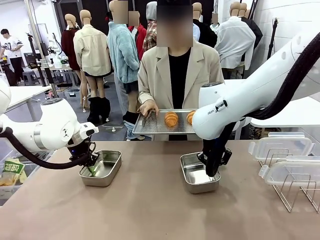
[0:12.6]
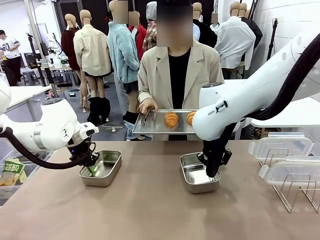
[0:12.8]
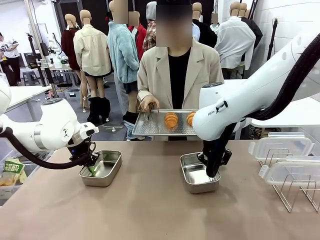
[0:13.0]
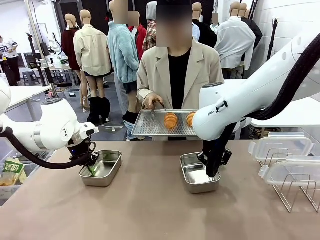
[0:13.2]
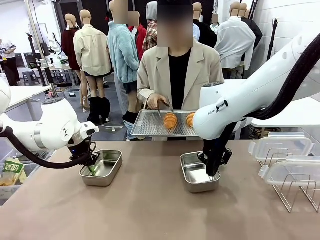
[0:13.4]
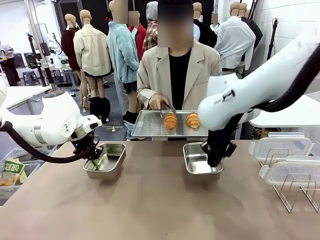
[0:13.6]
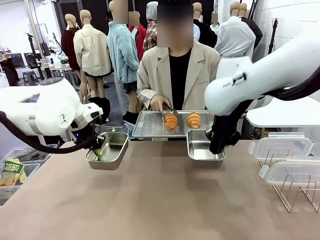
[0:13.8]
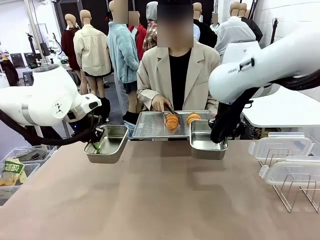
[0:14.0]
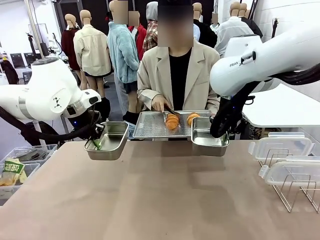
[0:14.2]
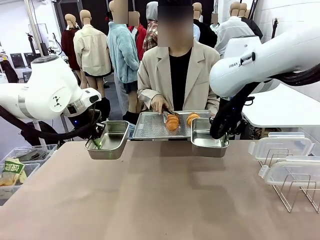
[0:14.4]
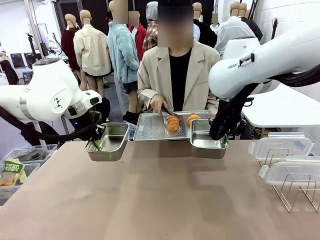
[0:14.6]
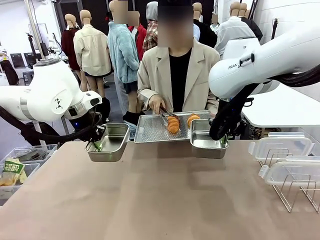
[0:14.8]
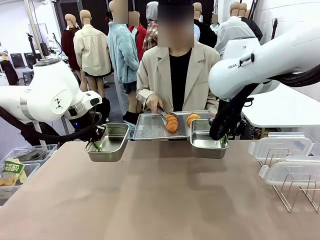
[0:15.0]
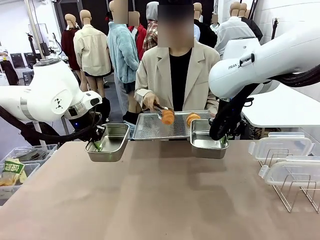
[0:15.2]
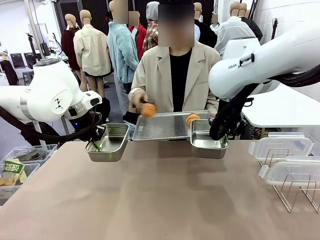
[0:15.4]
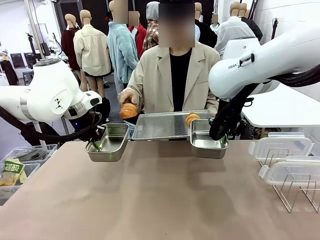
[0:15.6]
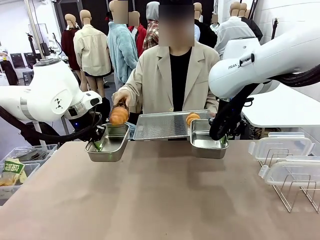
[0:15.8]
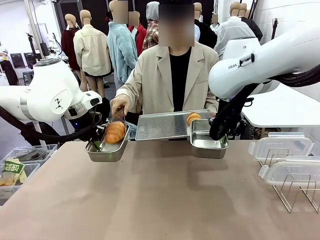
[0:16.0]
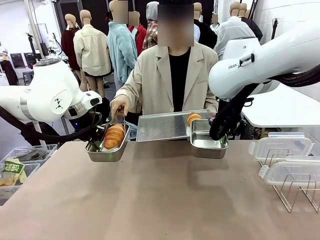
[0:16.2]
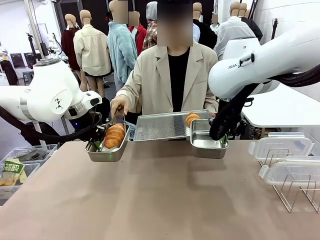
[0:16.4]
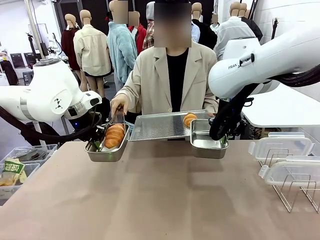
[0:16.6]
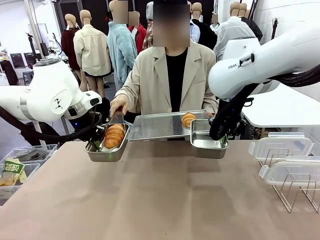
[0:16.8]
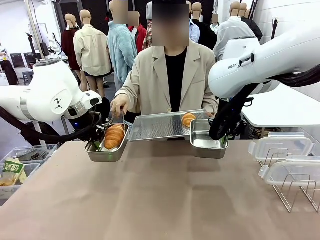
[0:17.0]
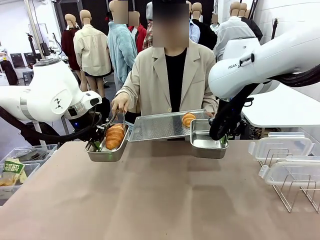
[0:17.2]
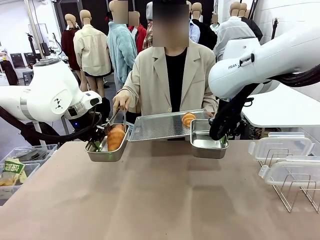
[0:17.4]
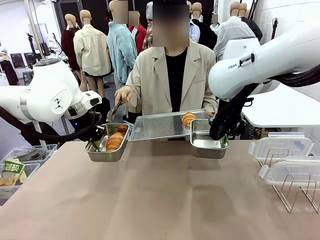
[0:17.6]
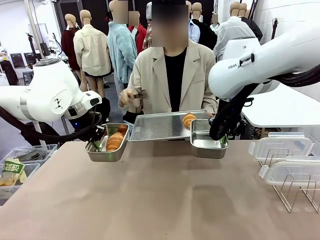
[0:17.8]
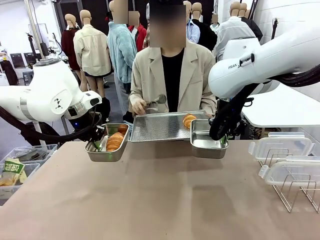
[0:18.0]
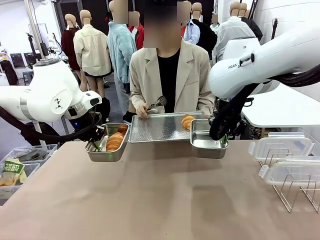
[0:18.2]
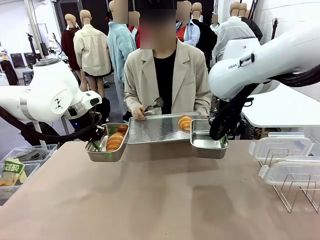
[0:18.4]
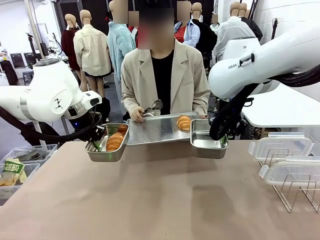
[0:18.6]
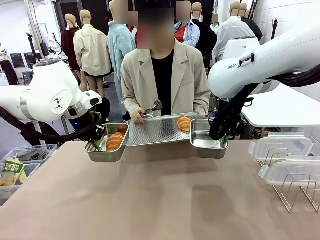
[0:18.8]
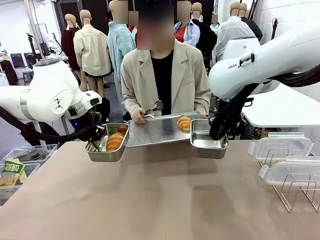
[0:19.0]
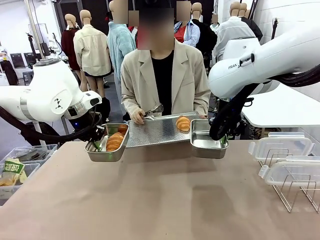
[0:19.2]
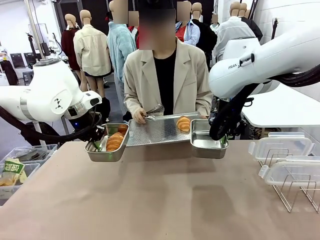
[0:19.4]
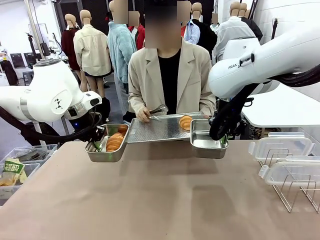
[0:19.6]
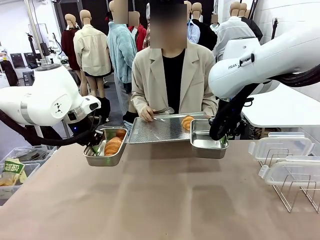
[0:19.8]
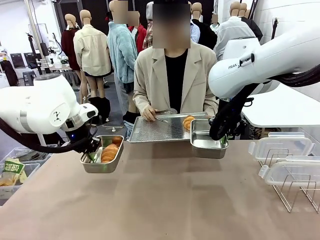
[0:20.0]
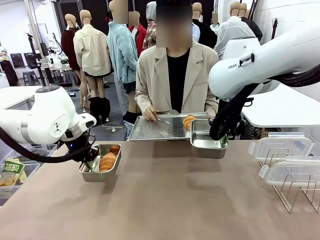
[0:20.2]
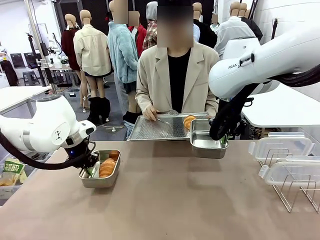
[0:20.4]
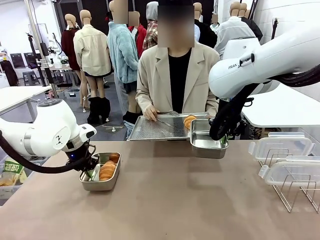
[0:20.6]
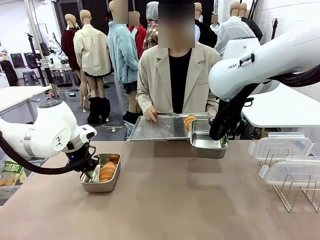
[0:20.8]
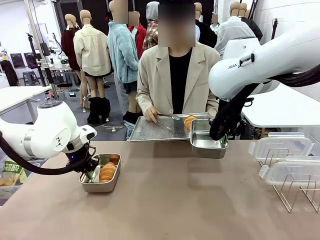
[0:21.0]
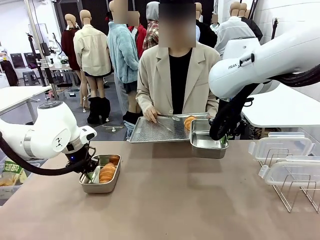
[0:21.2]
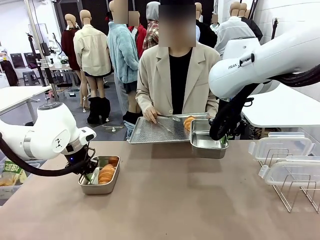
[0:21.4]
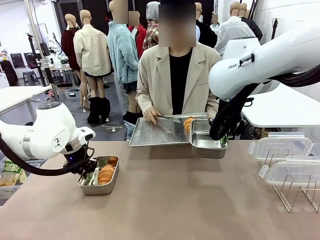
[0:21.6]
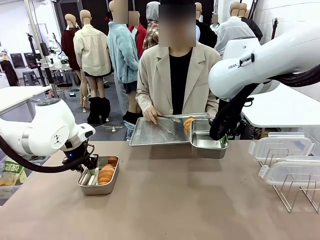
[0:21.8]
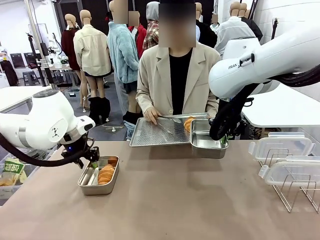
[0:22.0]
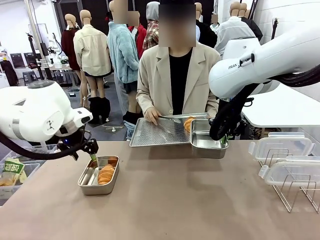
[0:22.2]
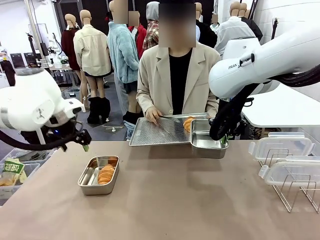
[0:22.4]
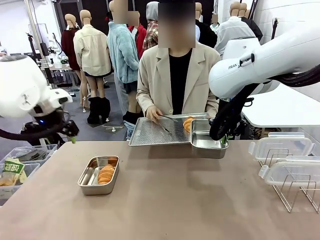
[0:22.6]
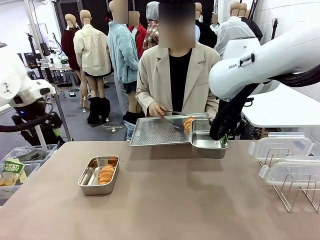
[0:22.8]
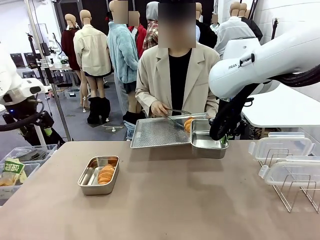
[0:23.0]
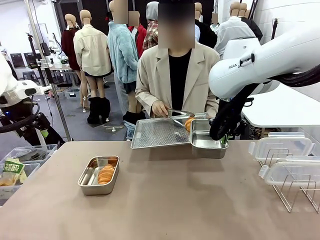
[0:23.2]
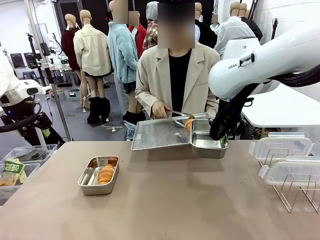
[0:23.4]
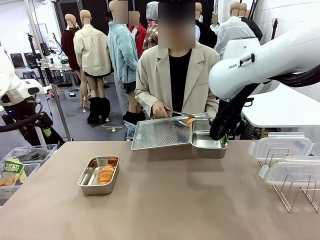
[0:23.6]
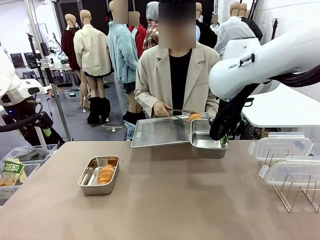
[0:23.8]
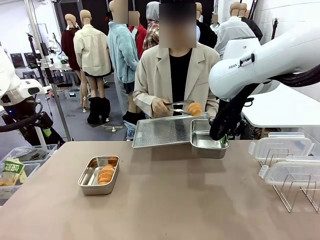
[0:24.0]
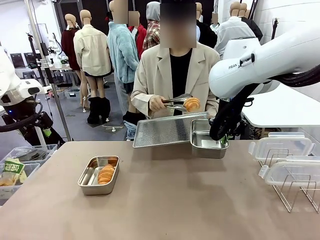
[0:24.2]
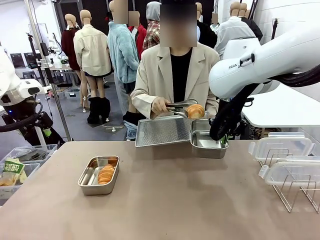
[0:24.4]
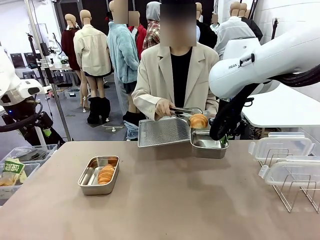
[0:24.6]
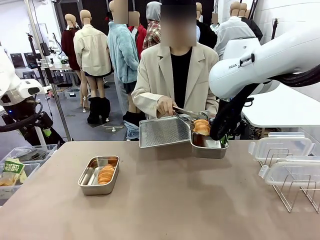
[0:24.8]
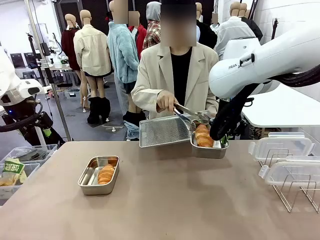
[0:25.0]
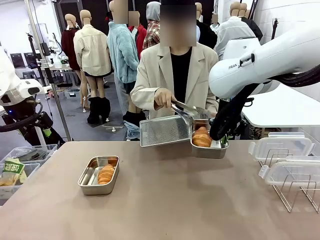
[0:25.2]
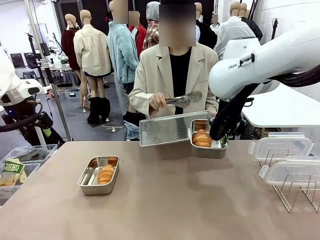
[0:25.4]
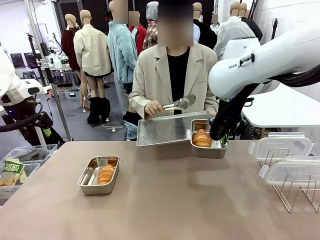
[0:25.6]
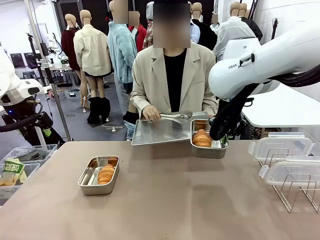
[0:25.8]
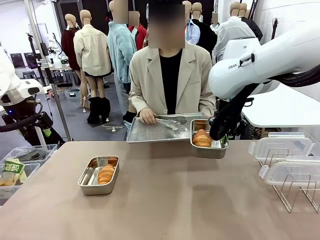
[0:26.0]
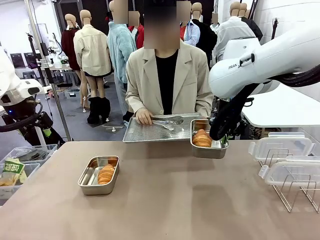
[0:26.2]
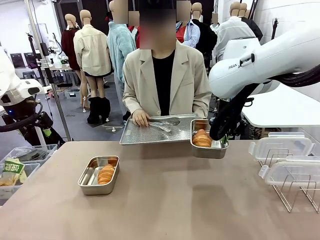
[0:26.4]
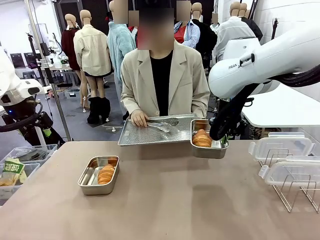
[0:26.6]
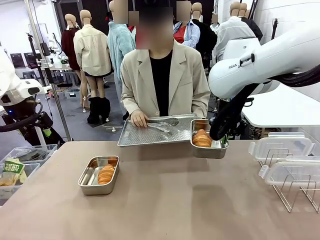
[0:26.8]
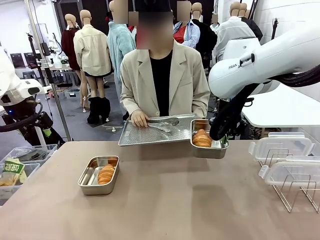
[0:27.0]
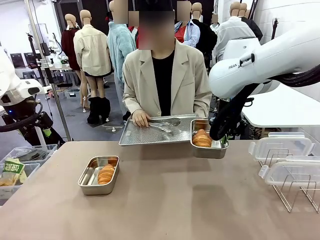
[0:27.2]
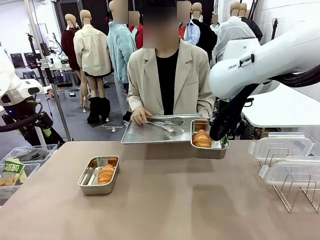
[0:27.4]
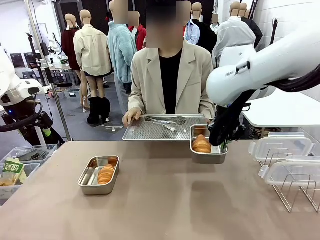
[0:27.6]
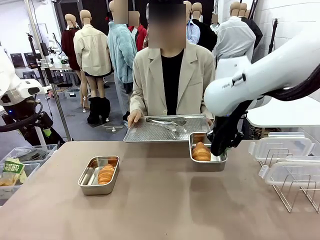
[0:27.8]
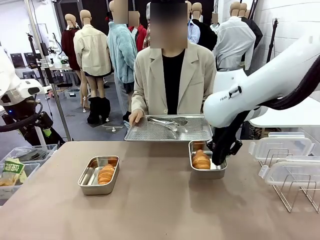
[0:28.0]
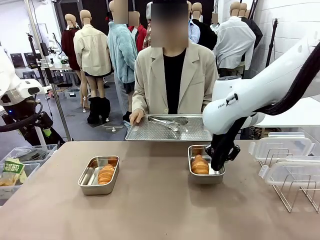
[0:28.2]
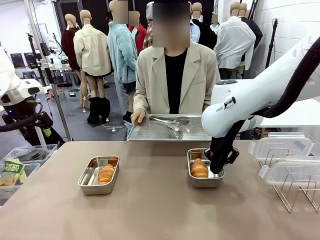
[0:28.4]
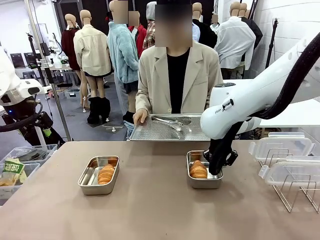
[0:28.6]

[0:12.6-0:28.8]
Task: Place the bread in airtight containers.
Robot: Once an object is inside an Airtight Container , place the container in the center of the table.
Person: Use the Stainless steel tongs to place one object from Baking Sheet into one Airtight Container.
